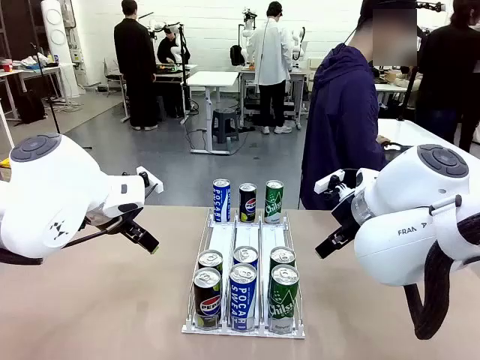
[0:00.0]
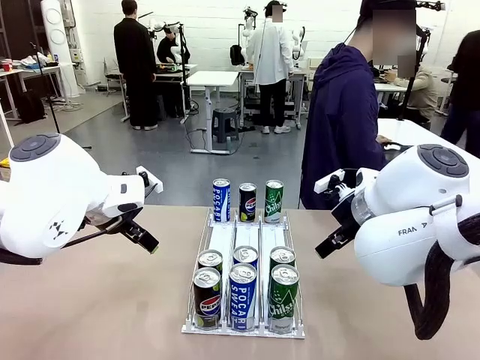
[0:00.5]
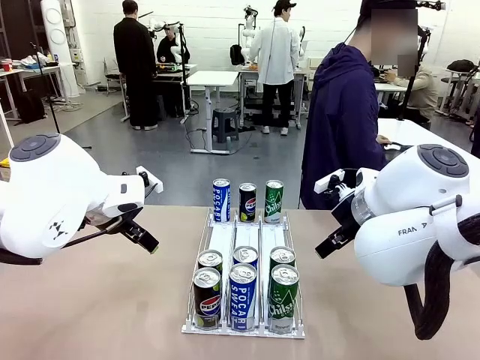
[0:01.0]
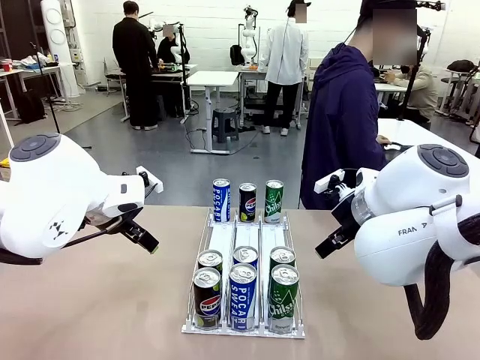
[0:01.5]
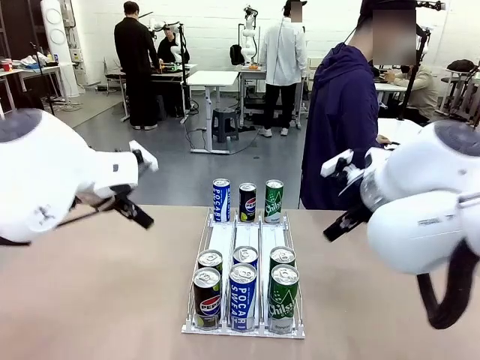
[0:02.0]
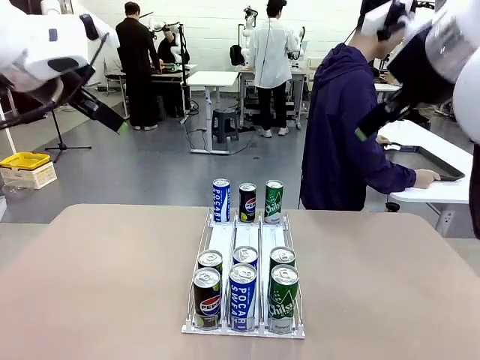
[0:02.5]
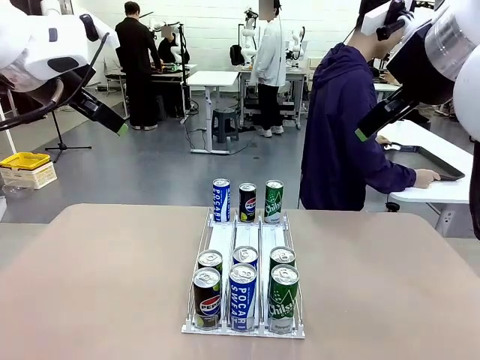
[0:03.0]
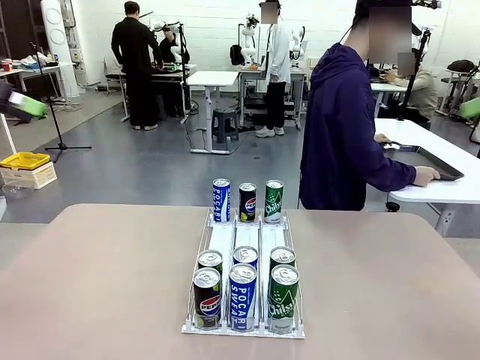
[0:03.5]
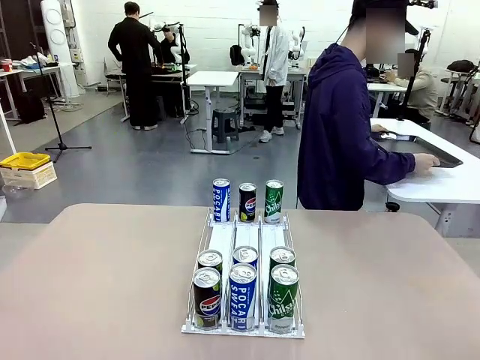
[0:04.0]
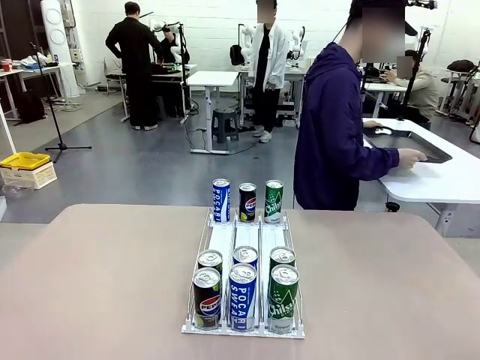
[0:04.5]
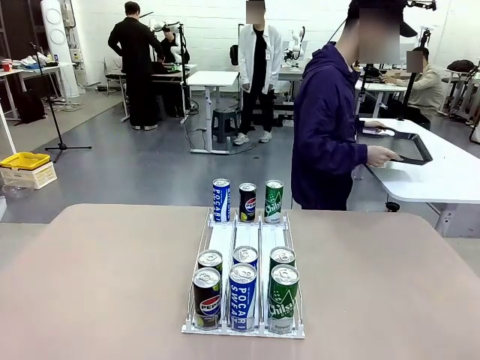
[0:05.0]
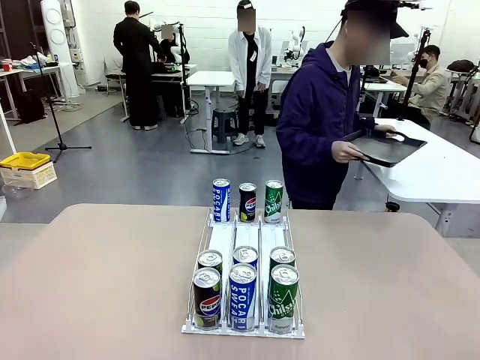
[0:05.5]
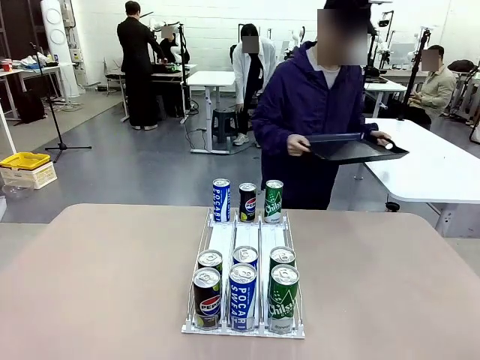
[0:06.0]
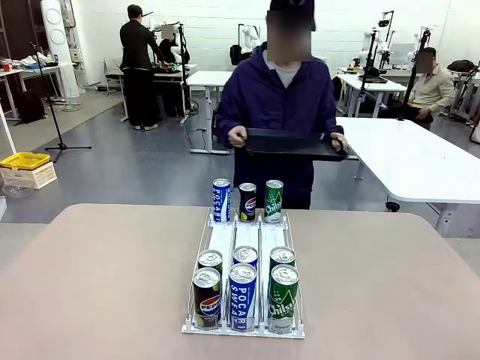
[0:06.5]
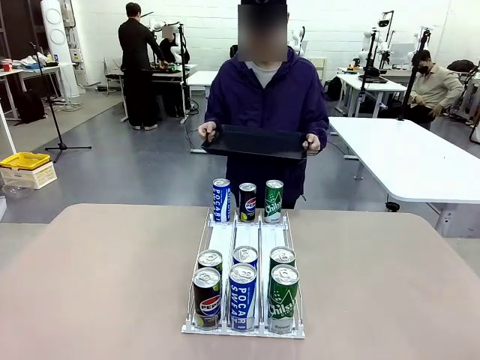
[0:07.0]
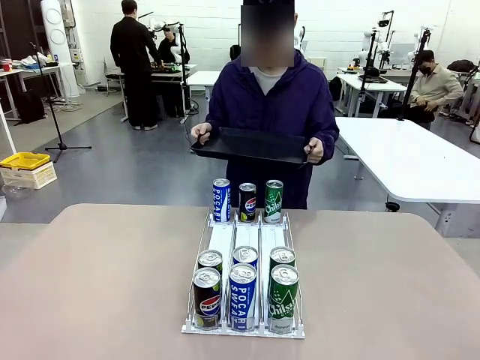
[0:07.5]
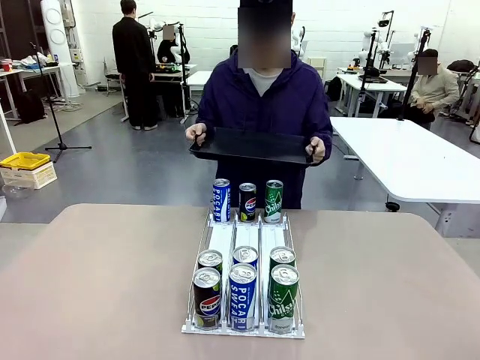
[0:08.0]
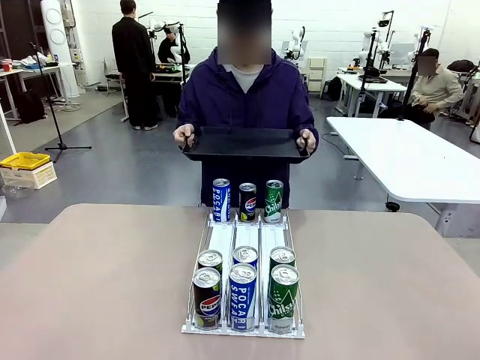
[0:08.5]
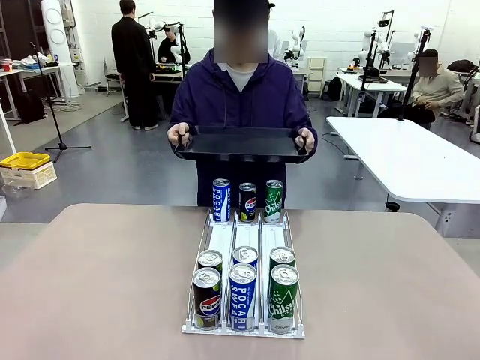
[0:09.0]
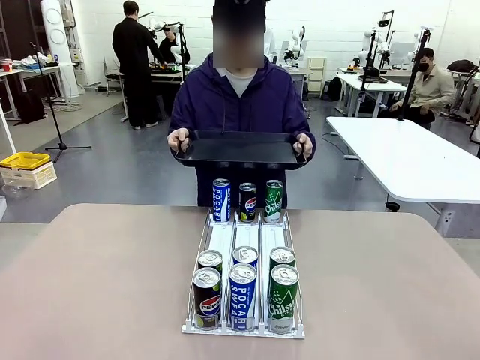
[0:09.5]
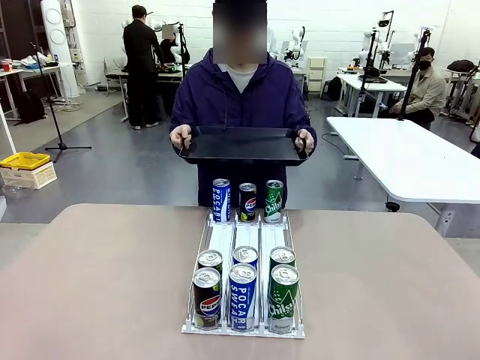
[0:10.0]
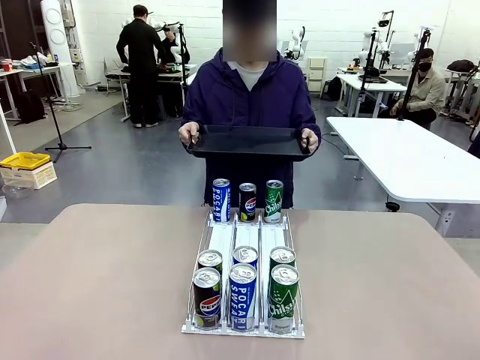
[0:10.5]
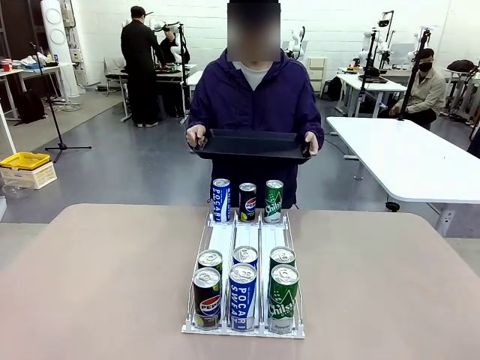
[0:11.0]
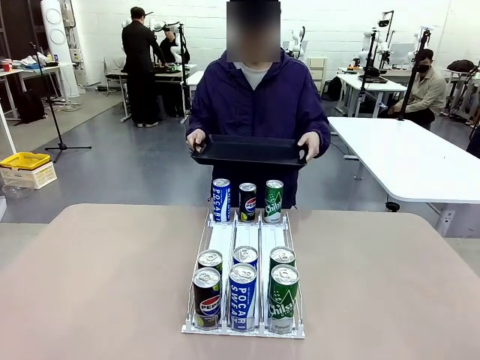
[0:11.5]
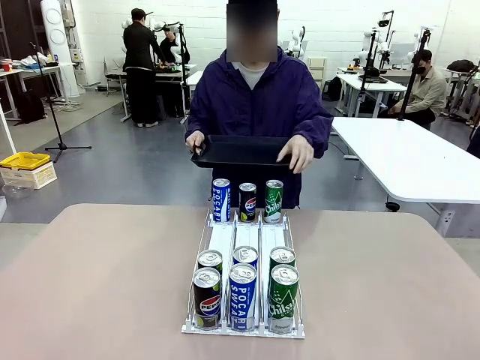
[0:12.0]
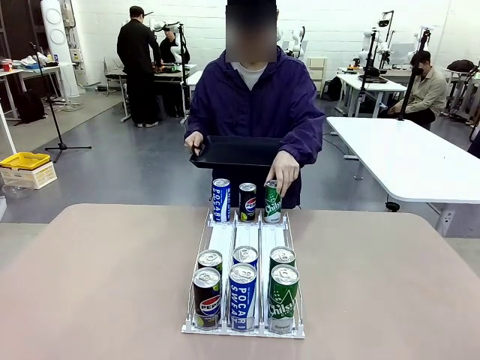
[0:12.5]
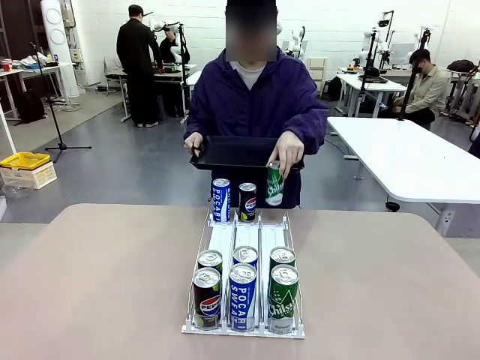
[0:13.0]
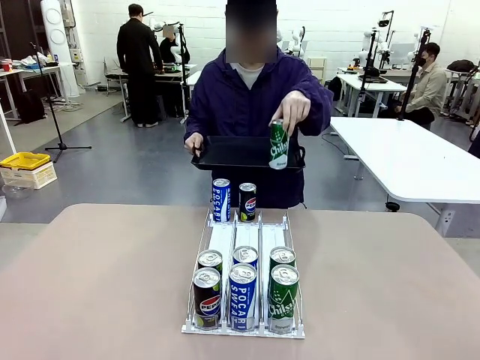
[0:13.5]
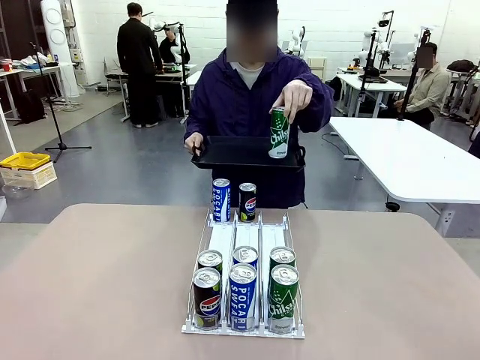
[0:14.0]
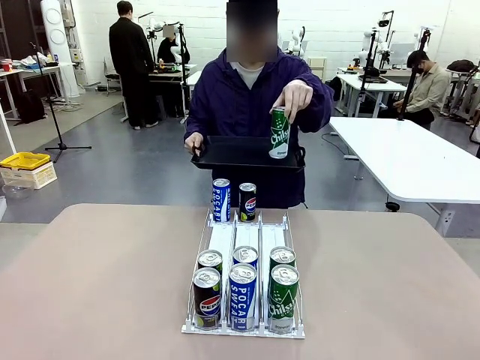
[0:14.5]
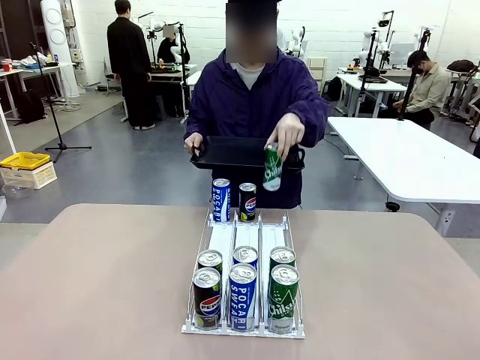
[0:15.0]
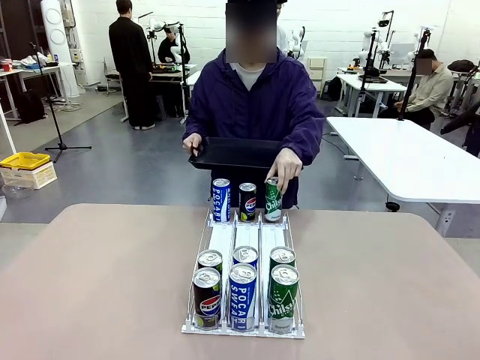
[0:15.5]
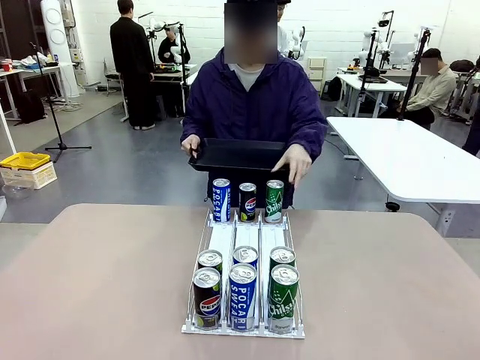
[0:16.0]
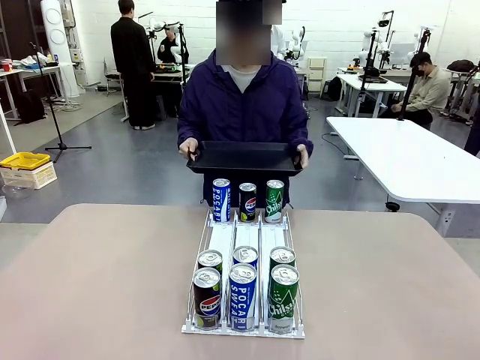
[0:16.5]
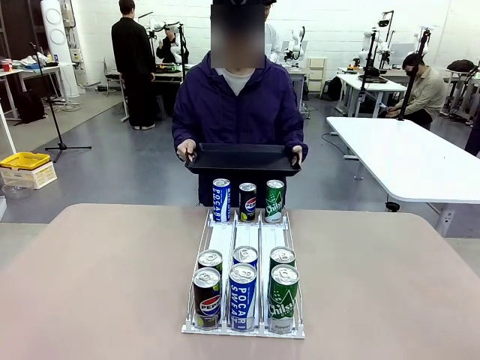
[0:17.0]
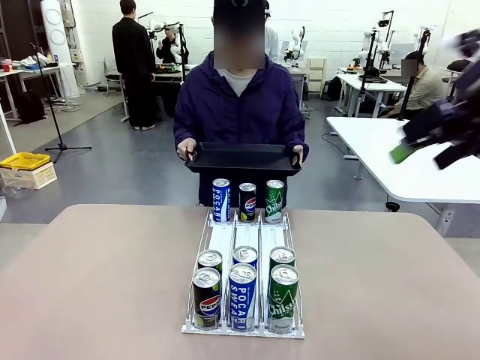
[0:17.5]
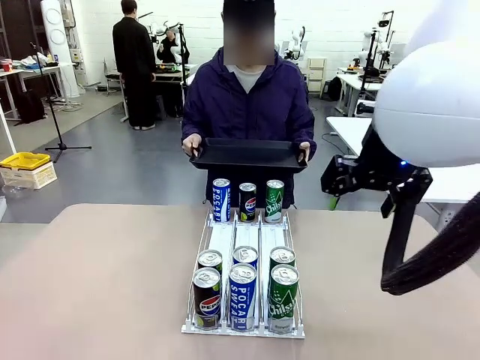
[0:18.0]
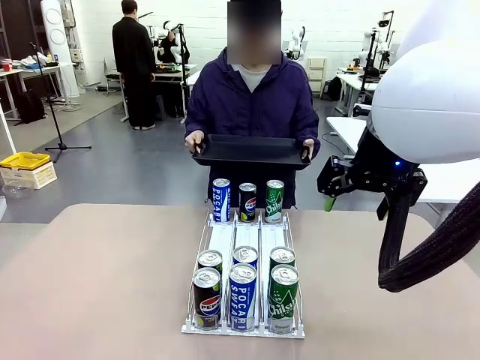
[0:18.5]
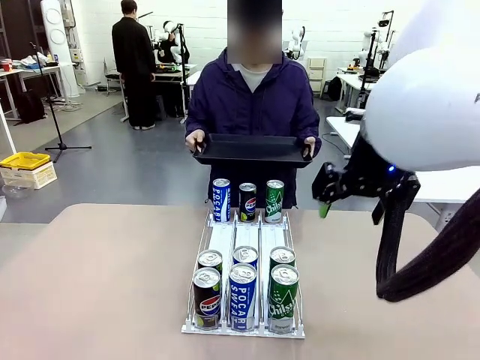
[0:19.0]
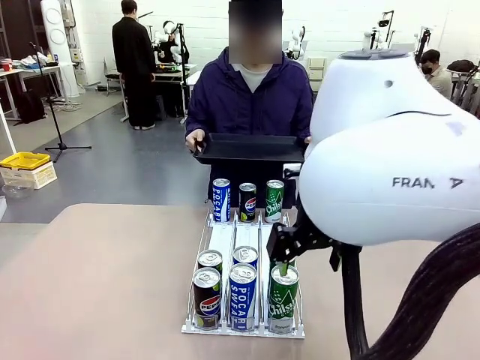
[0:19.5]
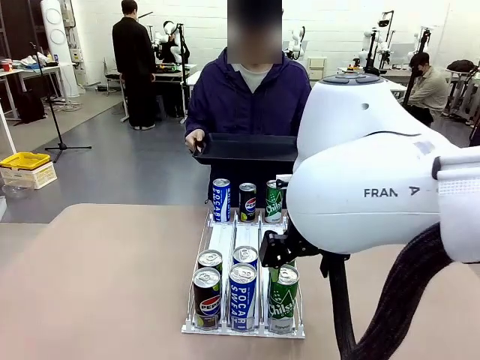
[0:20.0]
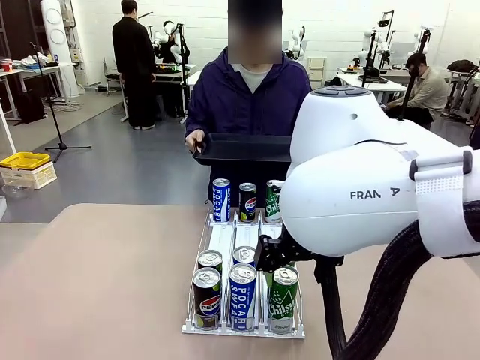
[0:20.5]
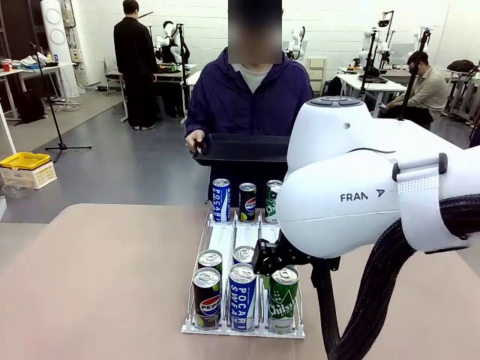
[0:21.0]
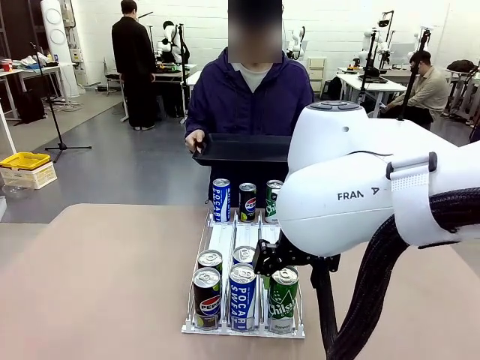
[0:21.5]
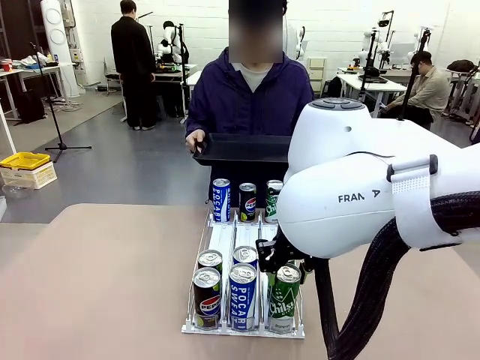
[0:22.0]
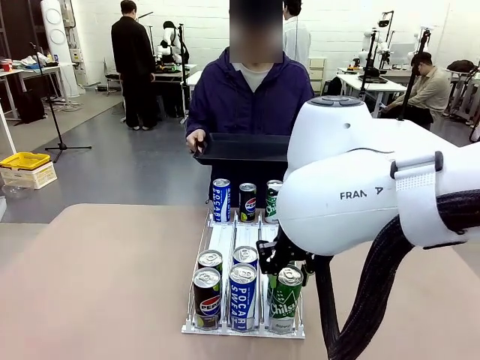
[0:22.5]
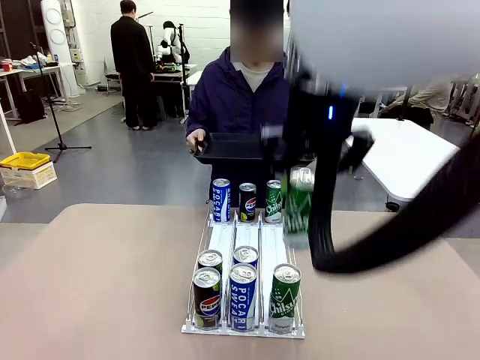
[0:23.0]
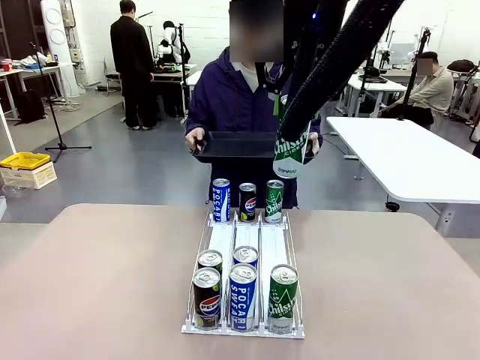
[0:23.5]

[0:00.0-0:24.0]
Task: Retrieve and hand over the desired beverage to the person.
Robot: Pick up a can of the same type that the person held from the Automatic Can Dispenser.
Person: Hold the tray and position yourself in front of the robot table. Pick up one can from the bottom area of the table and puts it back in its original place. Push the tray toward the robot.
